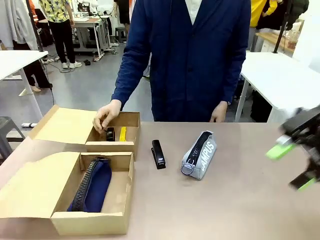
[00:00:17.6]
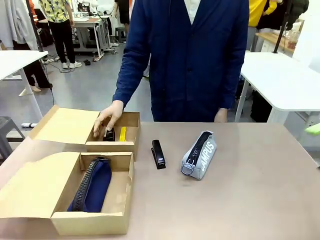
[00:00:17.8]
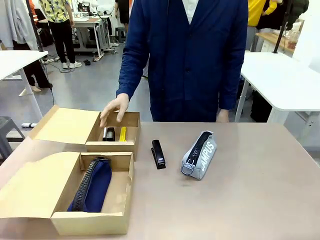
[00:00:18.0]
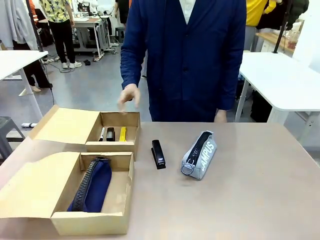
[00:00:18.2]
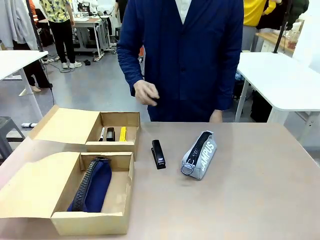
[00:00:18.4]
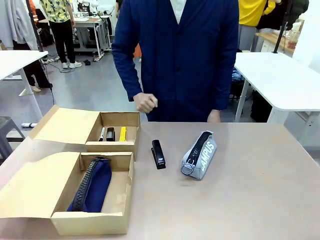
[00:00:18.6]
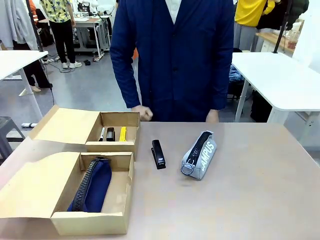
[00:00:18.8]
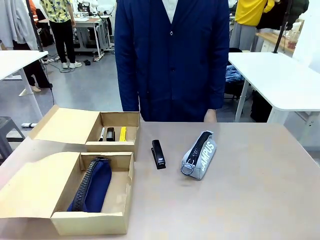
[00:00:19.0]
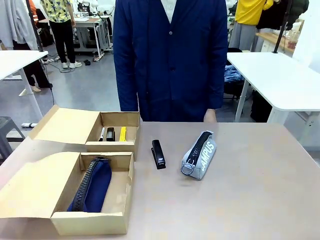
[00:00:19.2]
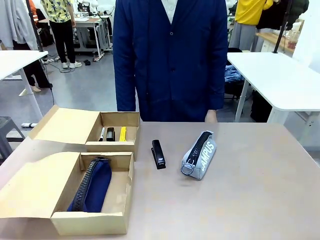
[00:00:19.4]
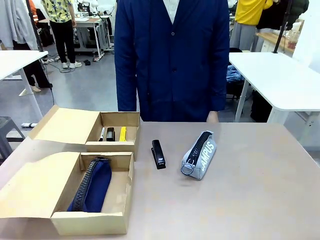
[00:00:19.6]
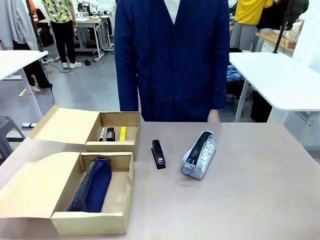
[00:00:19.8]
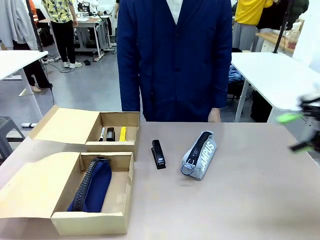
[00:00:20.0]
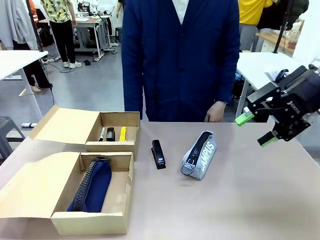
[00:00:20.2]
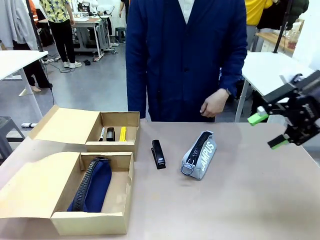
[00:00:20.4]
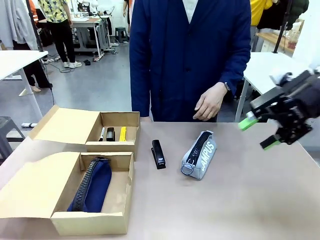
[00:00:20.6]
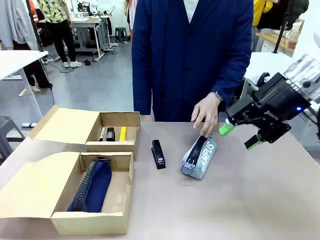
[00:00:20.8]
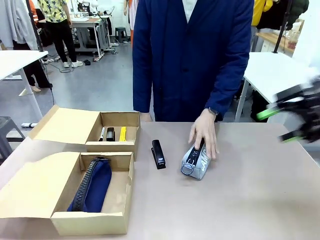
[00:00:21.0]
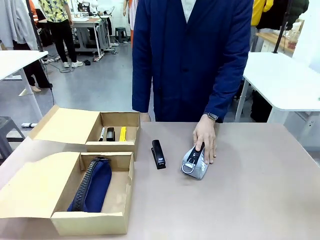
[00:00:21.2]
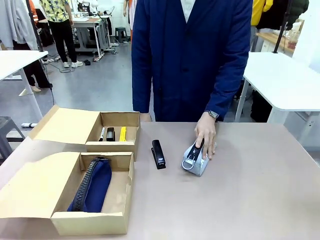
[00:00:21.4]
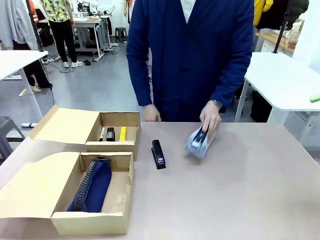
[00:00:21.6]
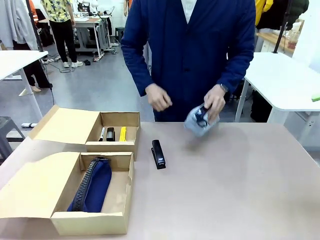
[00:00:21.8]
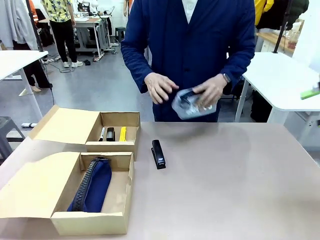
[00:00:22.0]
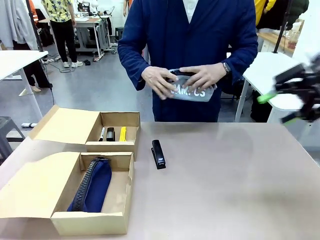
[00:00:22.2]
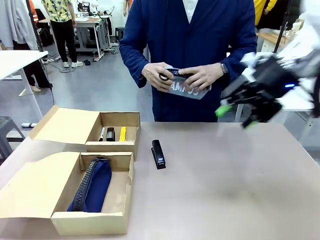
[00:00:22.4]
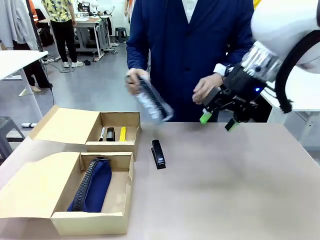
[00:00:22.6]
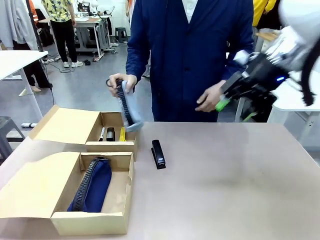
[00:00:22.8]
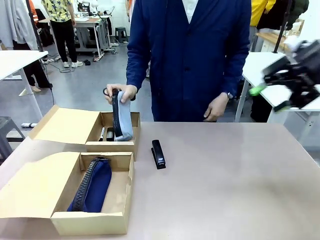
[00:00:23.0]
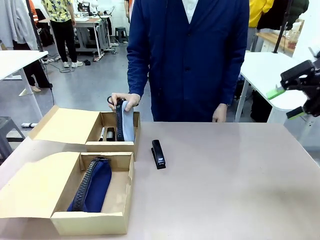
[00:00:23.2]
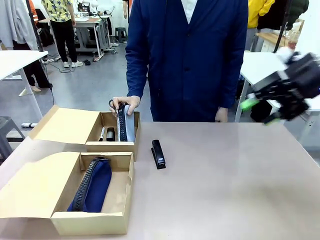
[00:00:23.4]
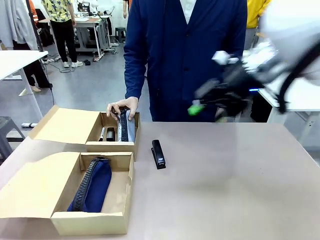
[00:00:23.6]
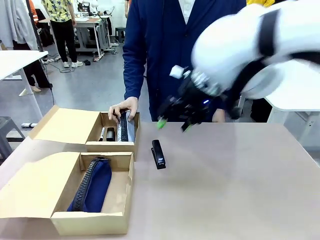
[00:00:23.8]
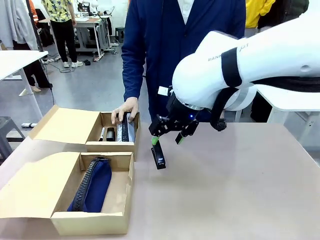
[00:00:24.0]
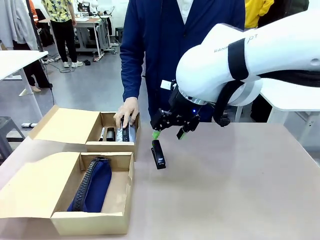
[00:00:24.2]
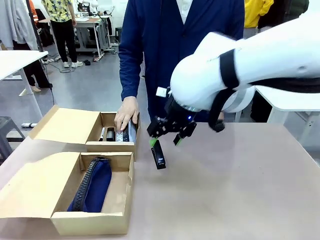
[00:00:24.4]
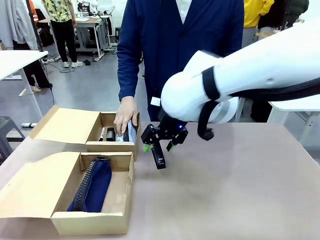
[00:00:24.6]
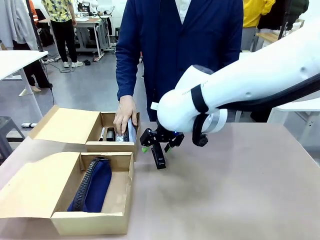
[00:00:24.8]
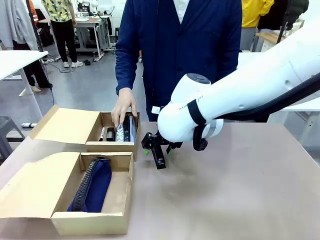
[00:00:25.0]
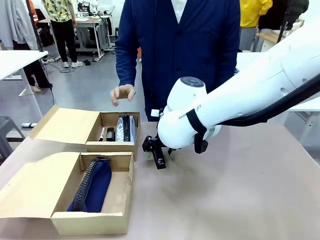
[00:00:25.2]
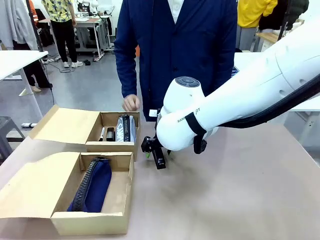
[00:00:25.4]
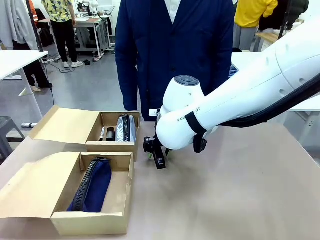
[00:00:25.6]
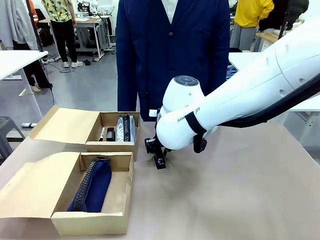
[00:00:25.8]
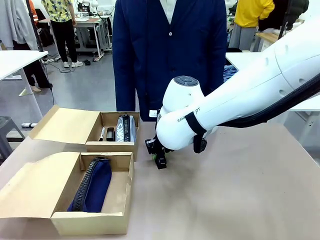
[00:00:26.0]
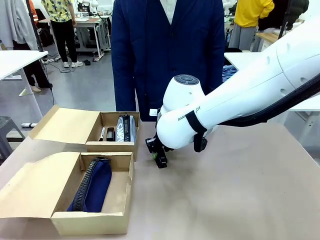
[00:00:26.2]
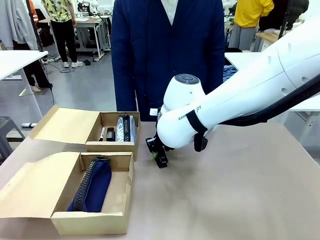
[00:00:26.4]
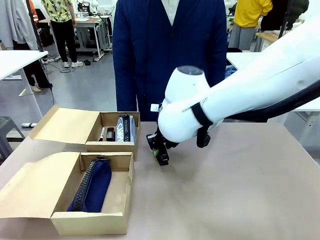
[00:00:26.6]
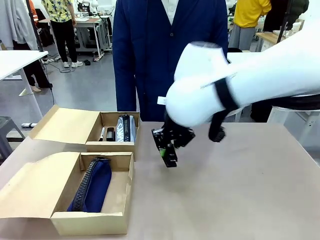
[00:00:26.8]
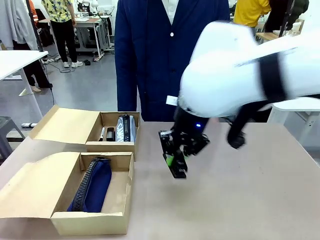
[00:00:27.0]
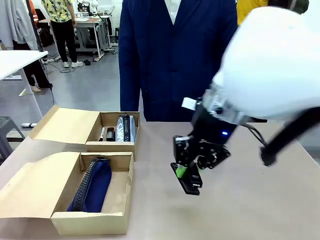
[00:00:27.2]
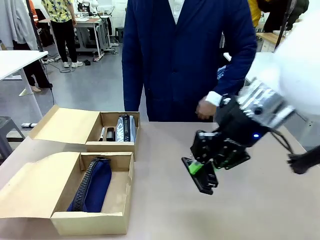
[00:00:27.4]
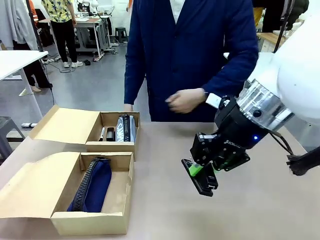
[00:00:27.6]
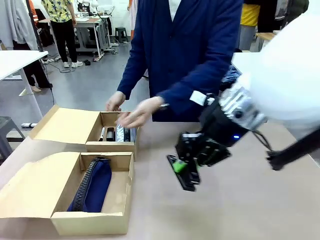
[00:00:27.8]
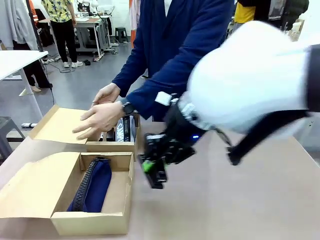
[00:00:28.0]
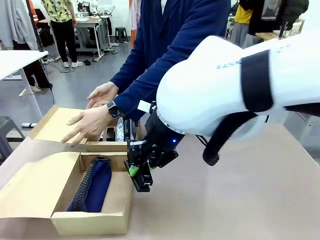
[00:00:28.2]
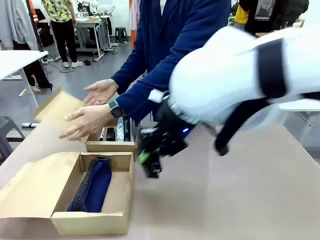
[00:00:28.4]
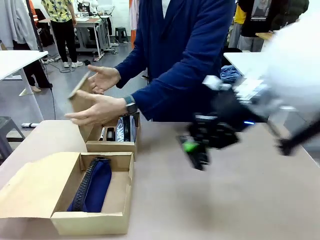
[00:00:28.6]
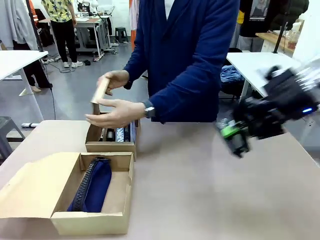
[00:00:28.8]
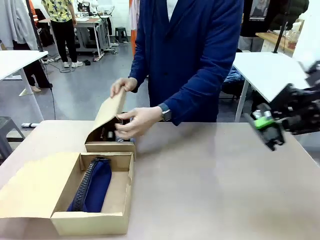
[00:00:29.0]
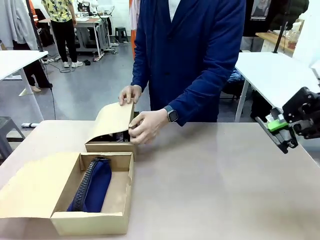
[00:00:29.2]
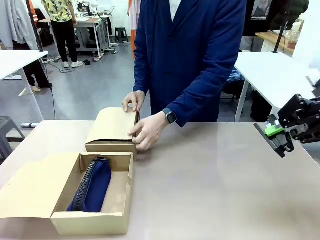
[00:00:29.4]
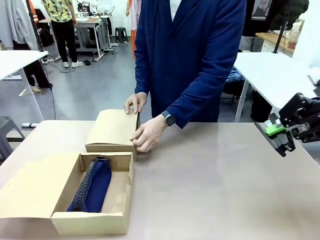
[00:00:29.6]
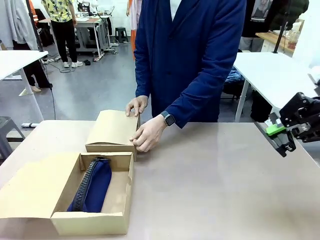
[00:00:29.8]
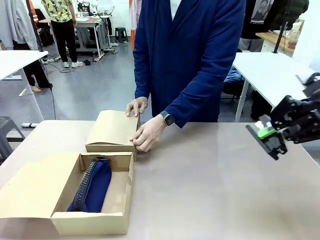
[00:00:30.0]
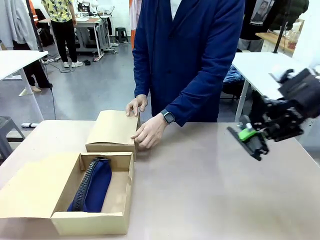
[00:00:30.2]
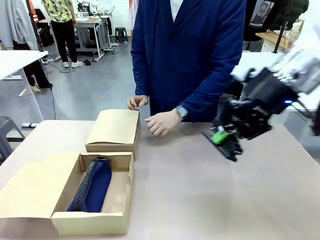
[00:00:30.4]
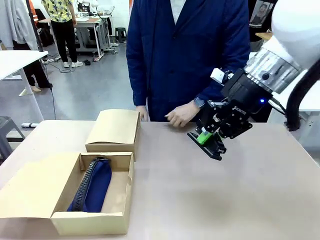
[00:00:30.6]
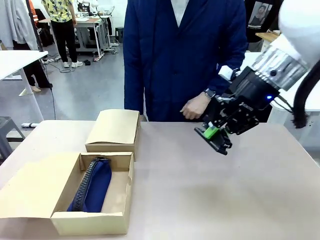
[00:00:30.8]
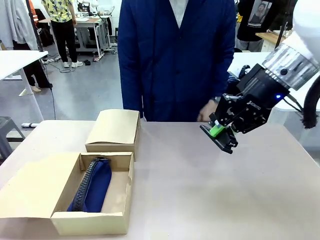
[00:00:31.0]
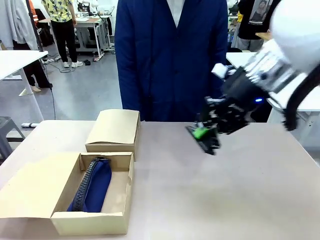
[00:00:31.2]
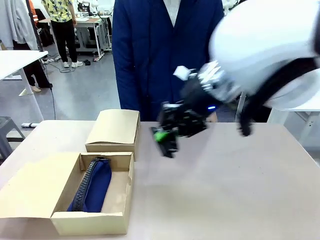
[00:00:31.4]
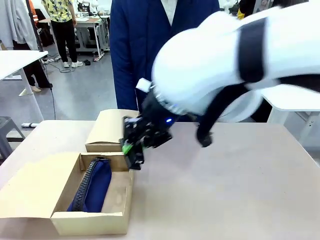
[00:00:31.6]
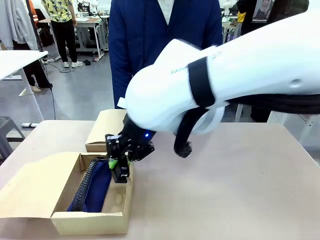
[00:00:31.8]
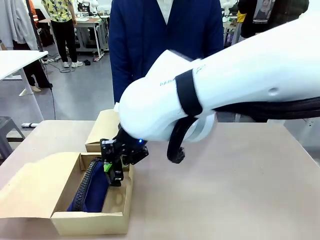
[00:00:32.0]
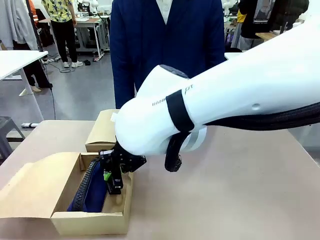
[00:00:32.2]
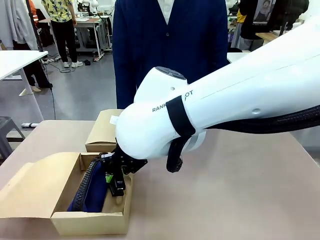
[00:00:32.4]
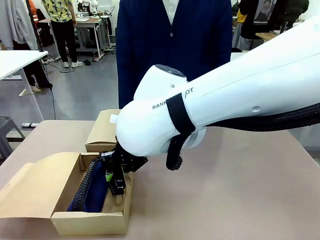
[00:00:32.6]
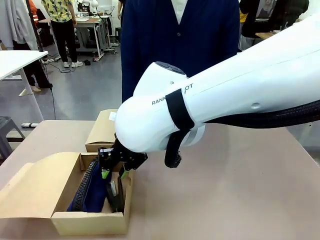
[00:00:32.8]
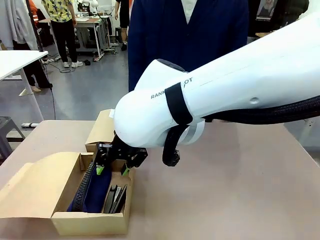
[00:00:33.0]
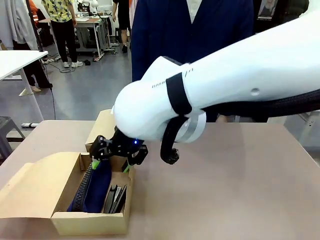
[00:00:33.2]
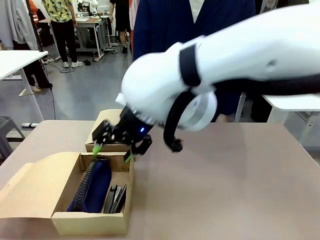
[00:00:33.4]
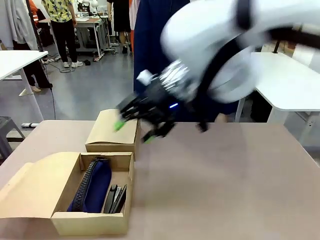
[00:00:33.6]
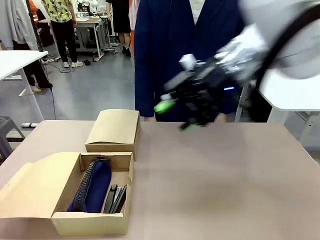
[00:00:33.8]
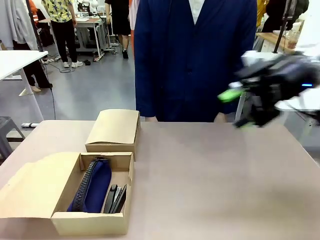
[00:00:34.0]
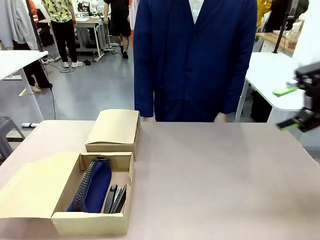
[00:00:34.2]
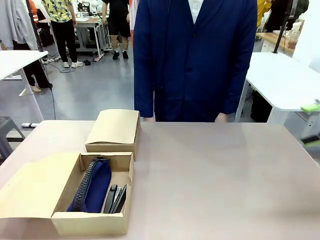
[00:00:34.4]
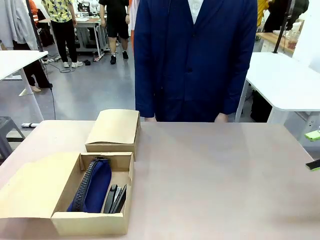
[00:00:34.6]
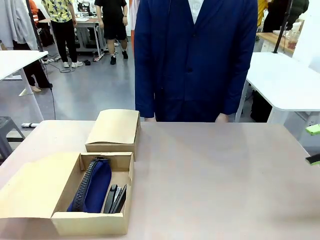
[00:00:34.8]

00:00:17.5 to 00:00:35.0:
Task: Place items inside the box.
Robot: Pick up a Pencil pouch or Stapler and place it inside the Mailer Box closest to the robot.
